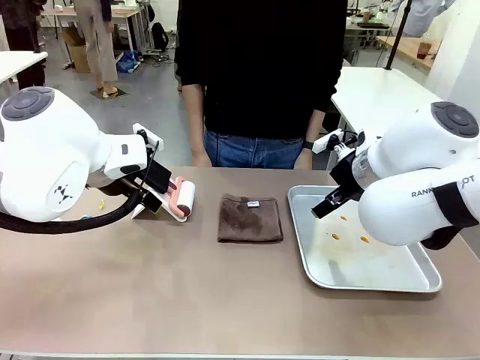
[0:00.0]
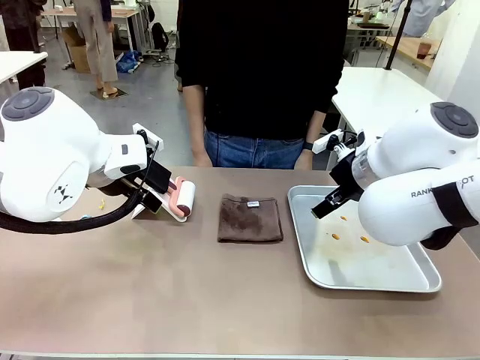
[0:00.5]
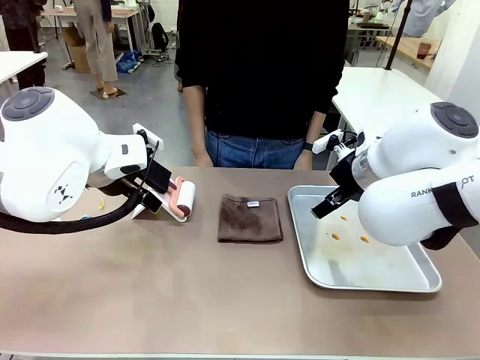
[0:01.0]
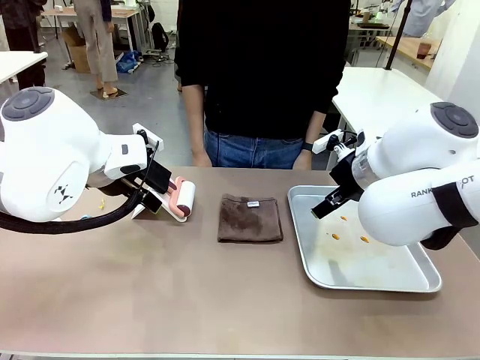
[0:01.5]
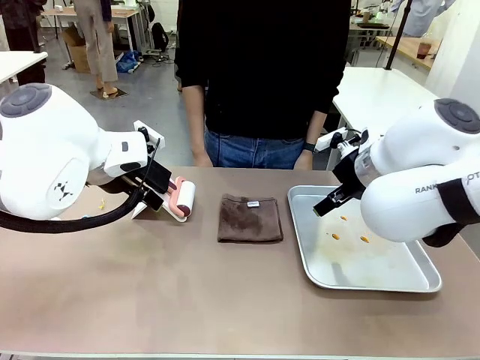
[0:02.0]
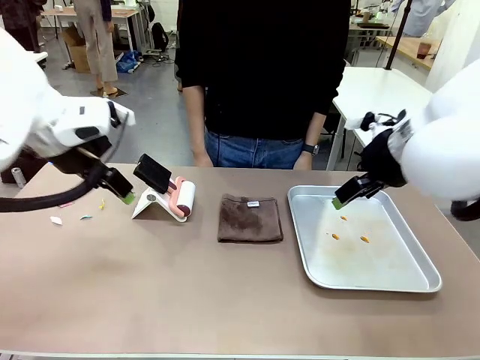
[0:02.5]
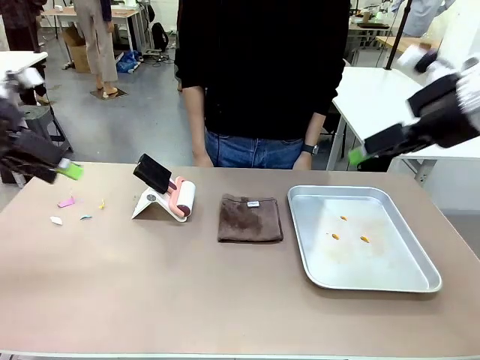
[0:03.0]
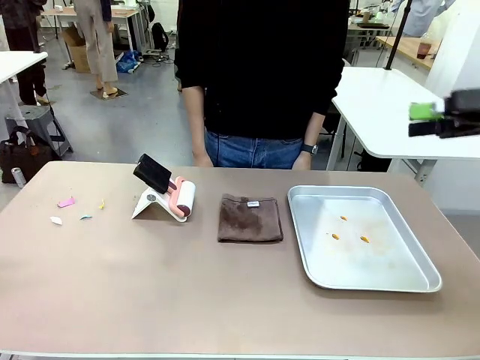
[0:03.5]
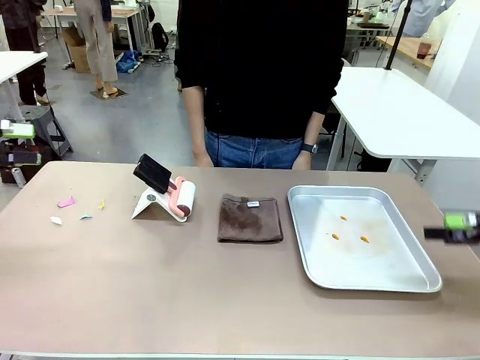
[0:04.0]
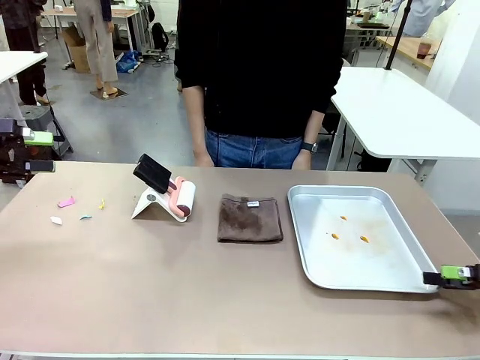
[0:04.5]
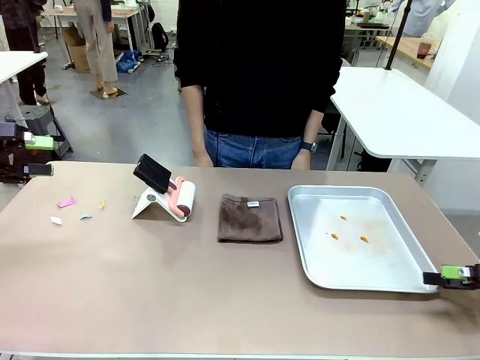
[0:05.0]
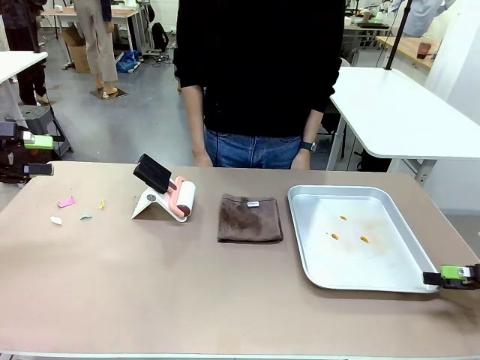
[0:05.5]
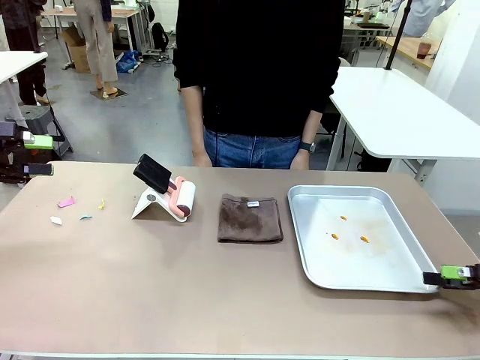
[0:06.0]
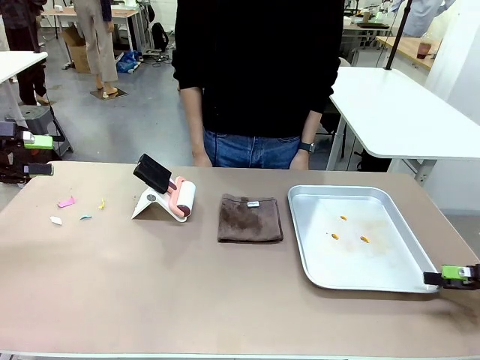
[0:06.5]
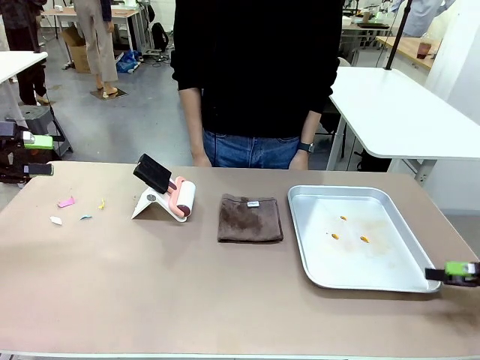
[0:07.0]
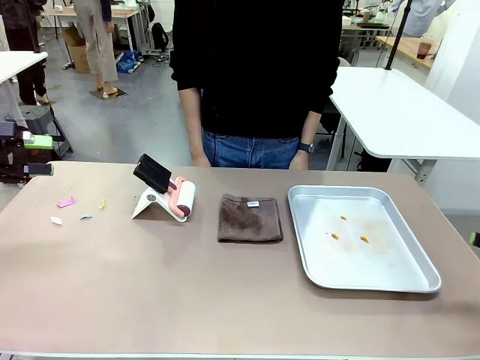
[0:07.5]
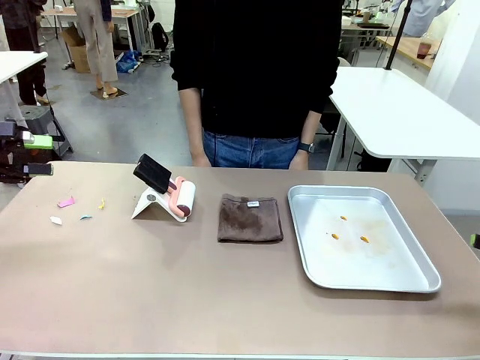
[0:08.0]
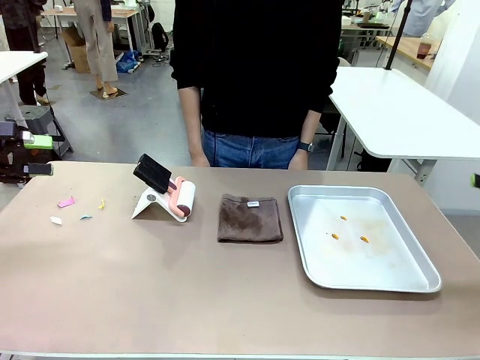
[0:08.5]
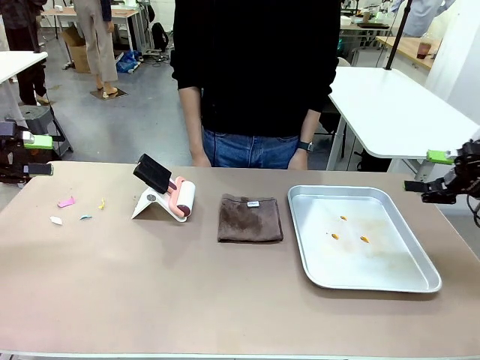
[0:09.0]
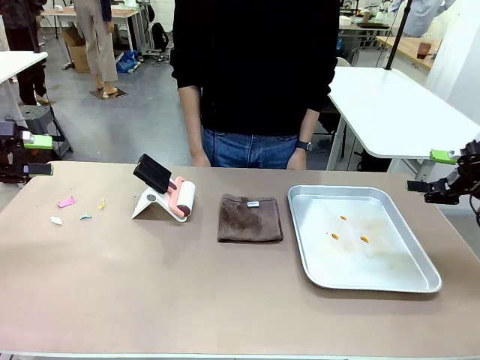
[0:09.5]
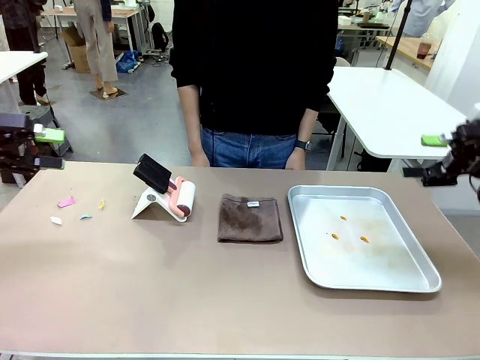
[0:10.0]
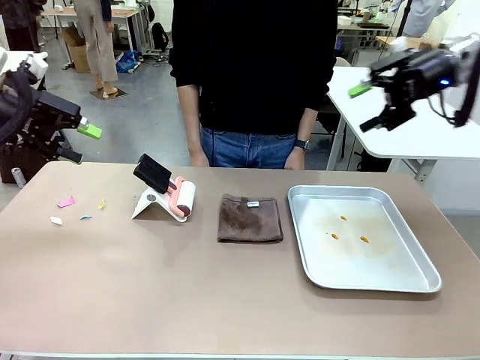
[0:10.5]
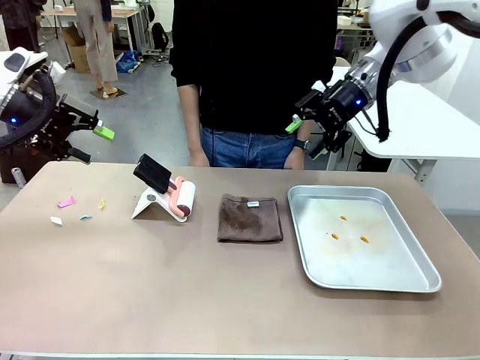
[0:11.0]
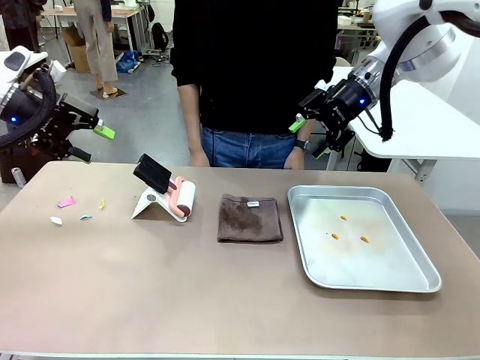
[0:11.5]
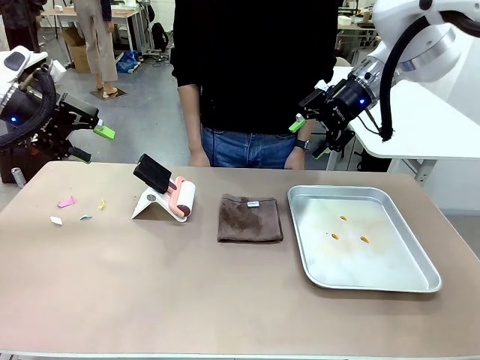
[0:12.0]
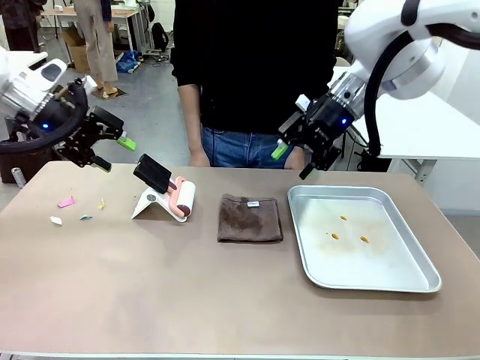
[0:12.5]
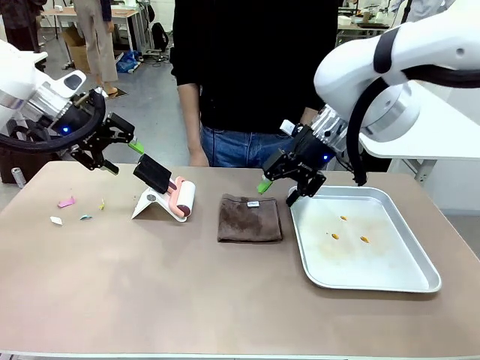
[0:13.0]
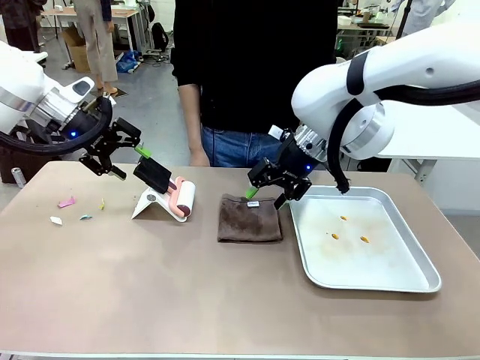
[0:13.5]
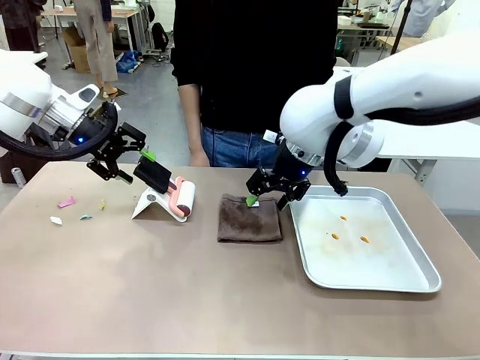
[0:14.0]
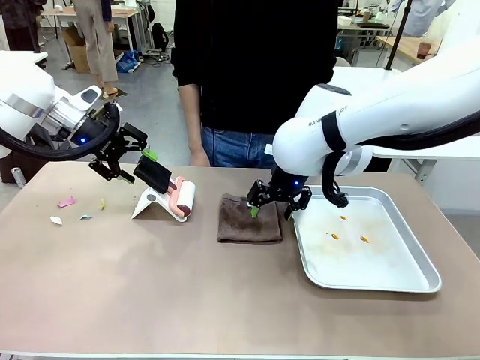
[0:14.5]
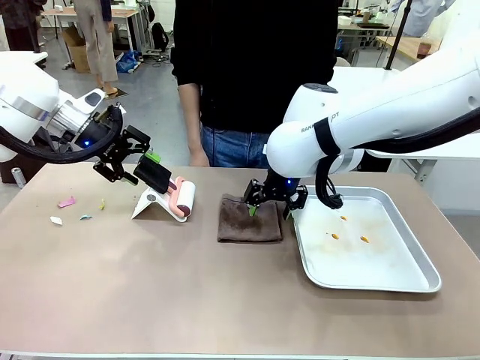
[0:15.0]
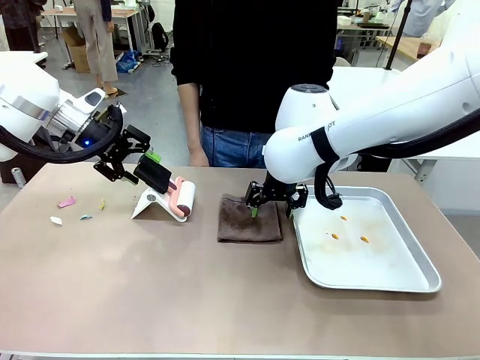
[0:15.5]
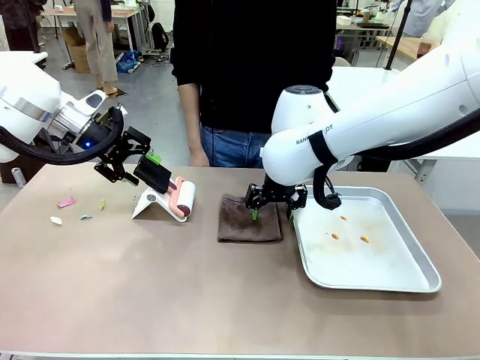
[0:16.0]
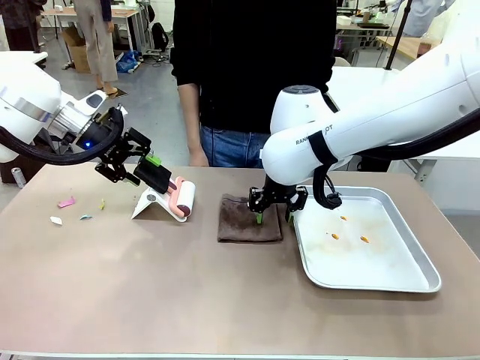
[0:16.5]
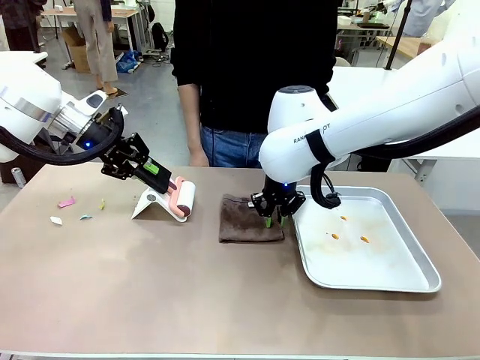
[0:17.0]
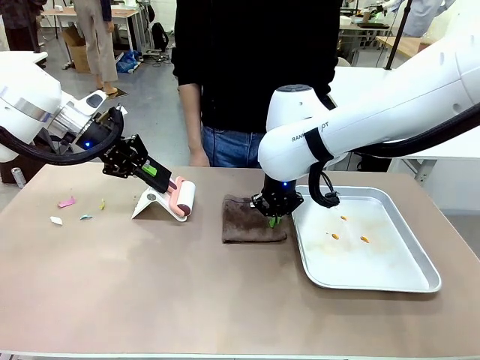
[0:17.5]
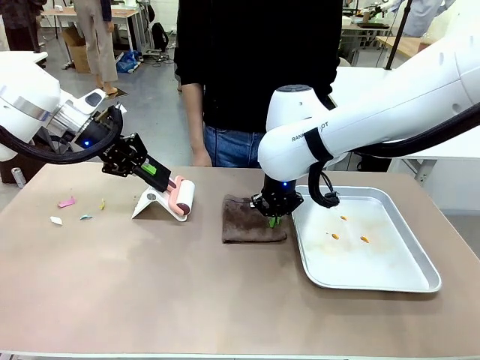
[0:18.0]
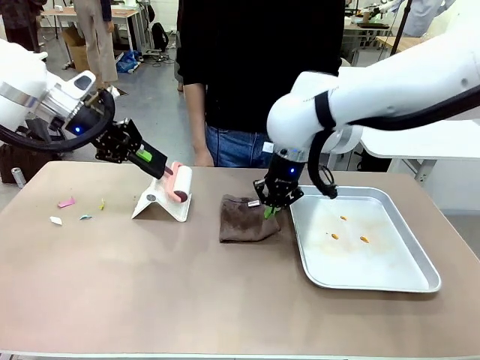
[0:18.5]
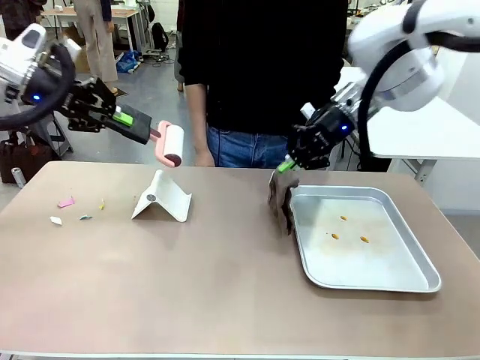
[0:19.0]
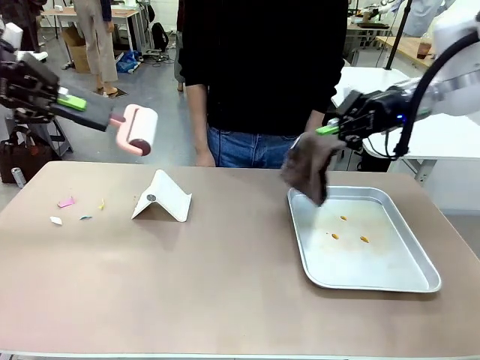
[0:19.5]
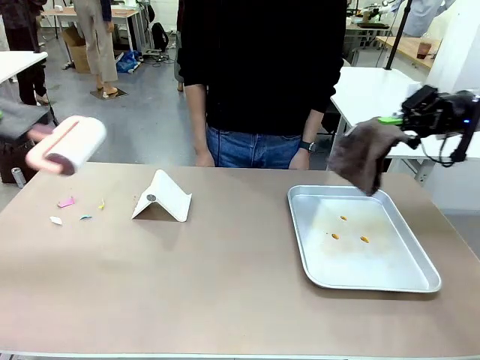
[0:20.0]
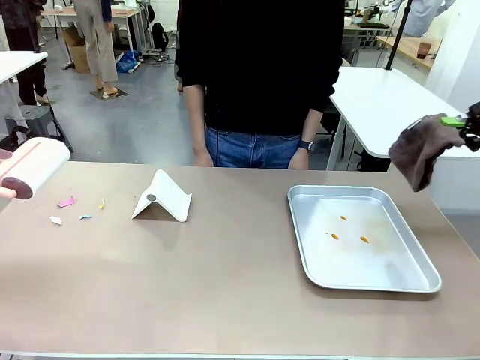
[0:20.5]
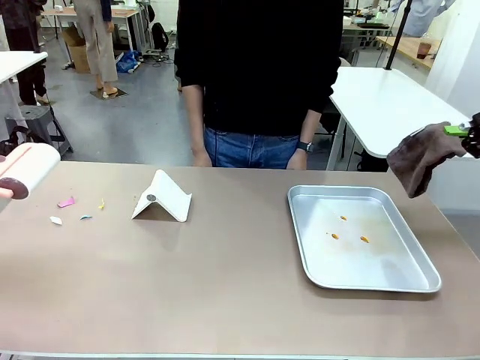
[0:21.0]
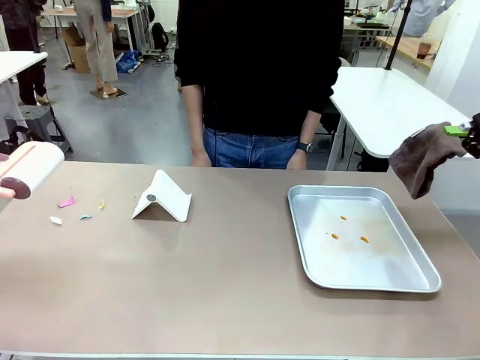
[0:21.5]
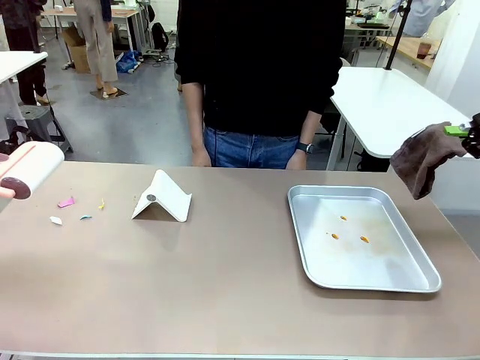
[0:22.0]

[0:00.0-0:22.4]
Task: Clean the surface of the table.
Robot: Hold the Lint Roller with your left hand and the towel with your right hand.
